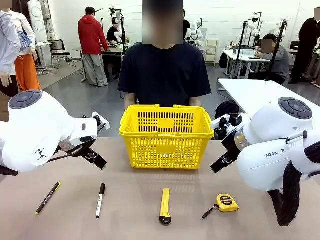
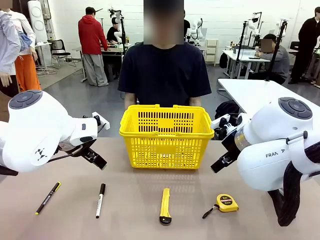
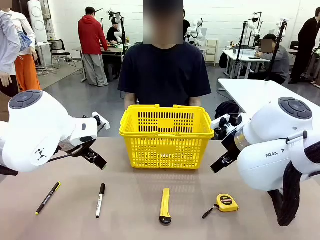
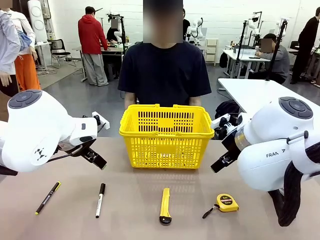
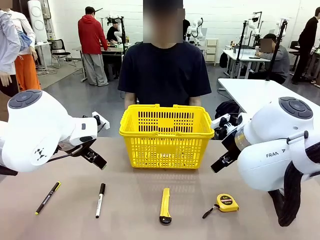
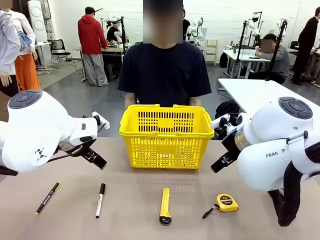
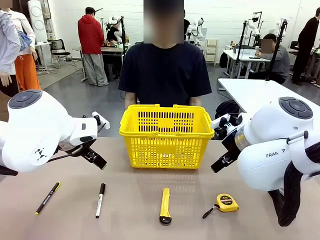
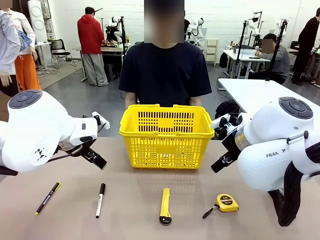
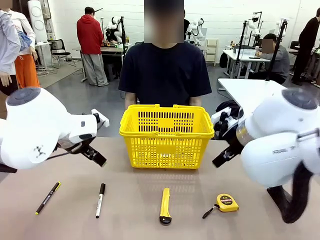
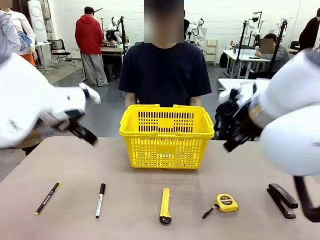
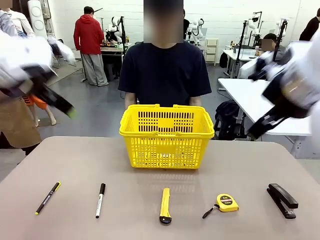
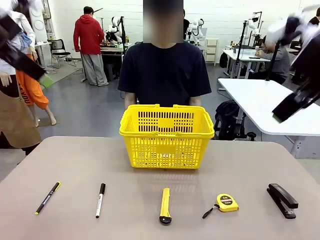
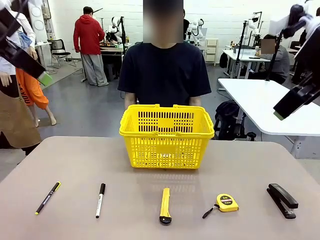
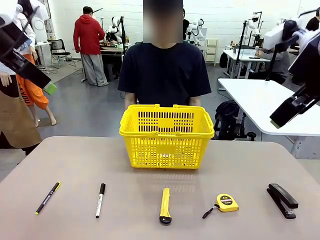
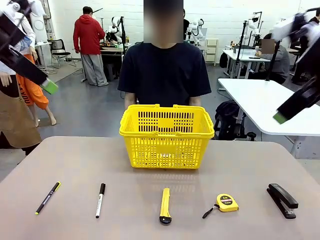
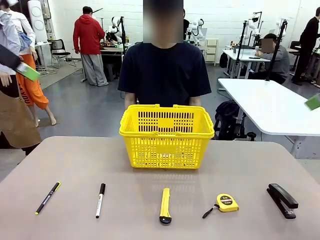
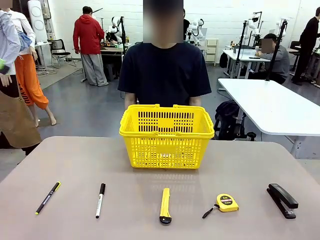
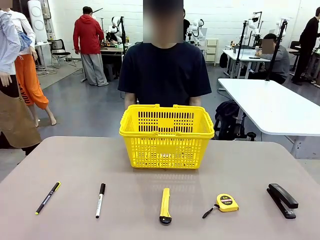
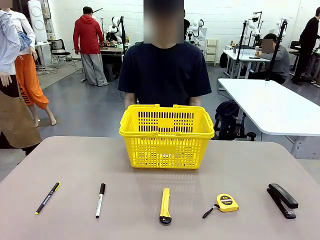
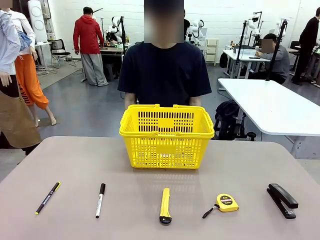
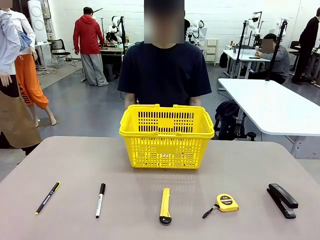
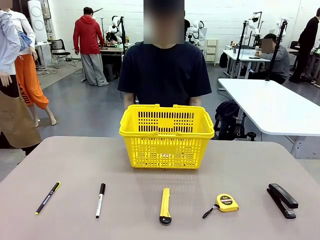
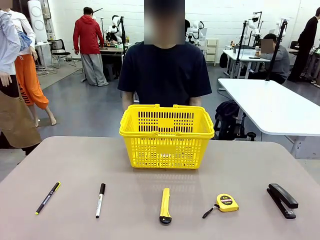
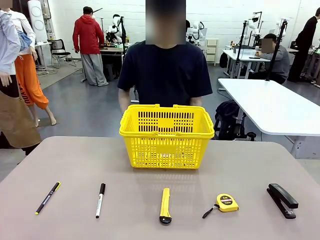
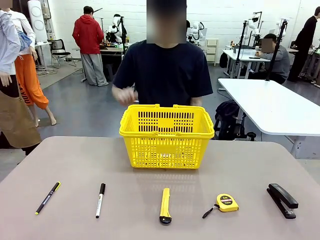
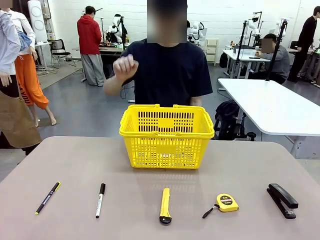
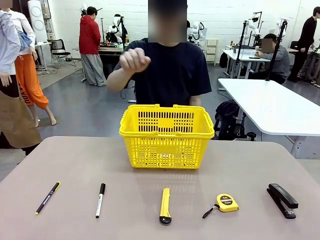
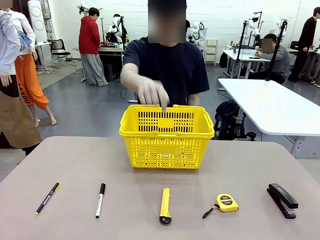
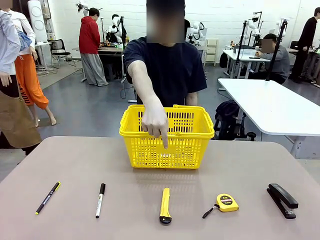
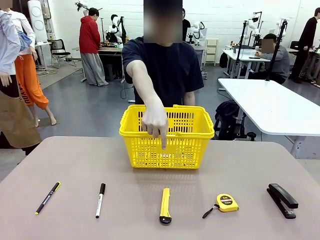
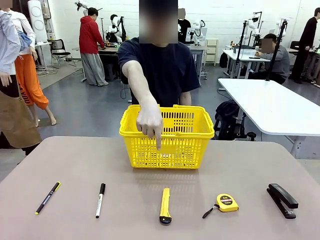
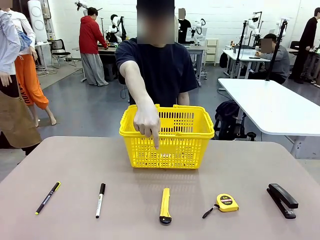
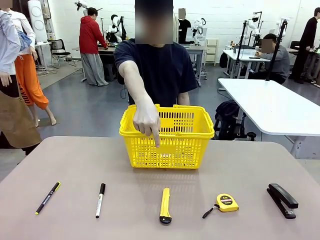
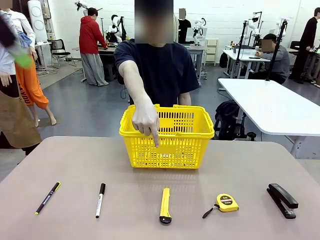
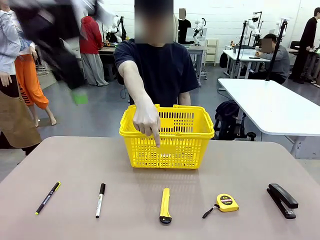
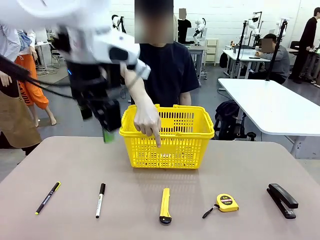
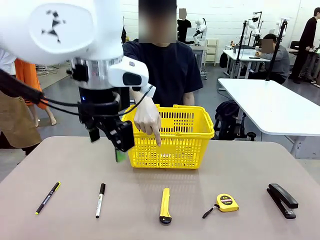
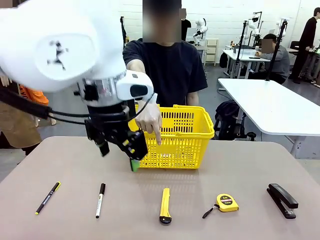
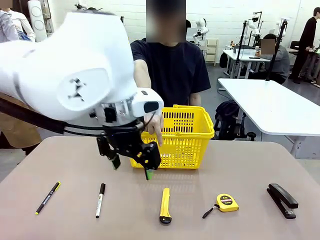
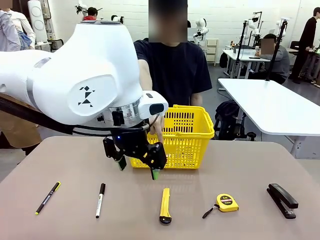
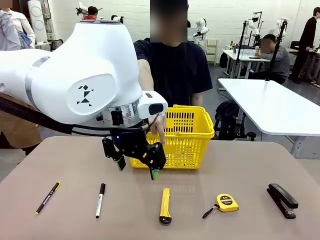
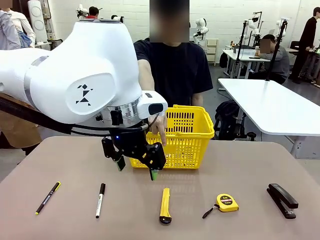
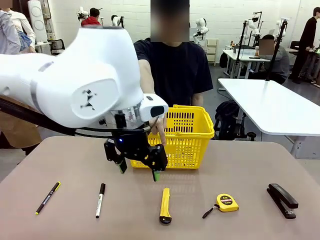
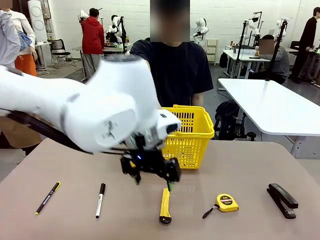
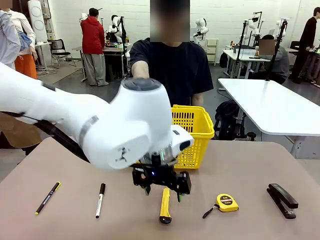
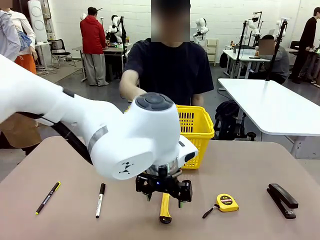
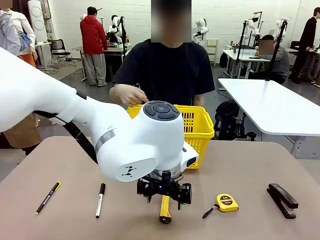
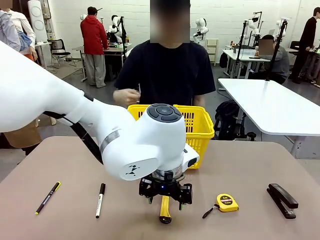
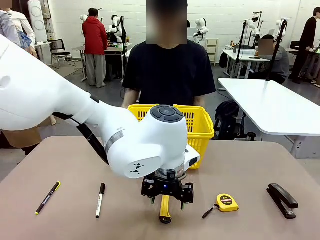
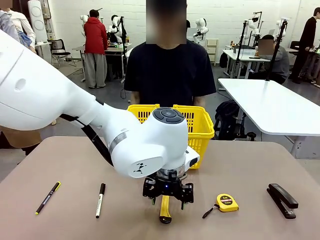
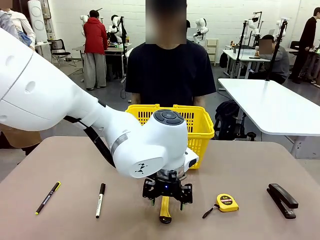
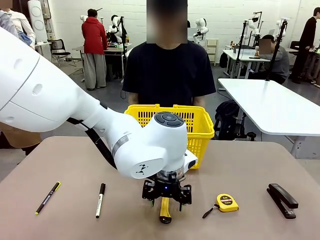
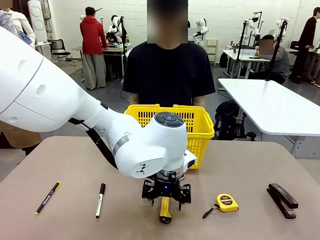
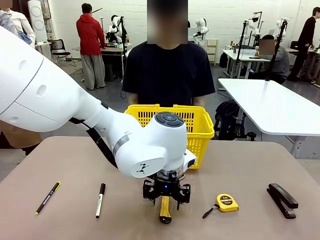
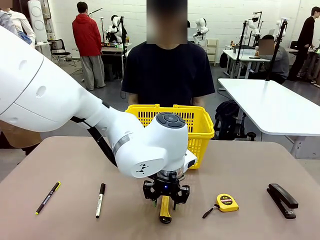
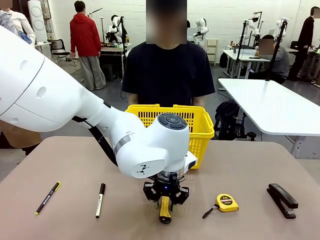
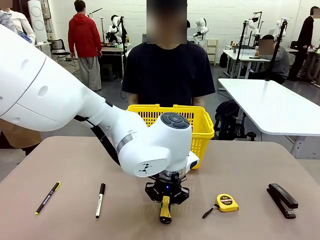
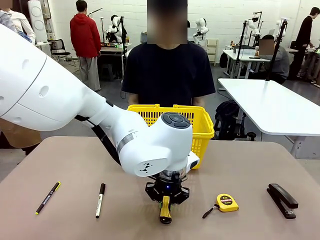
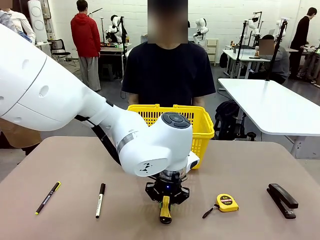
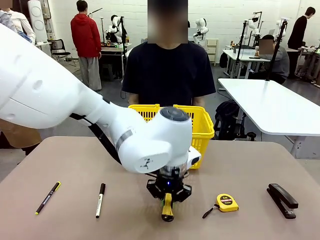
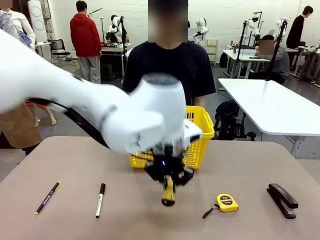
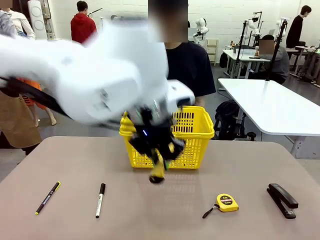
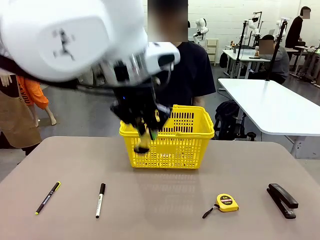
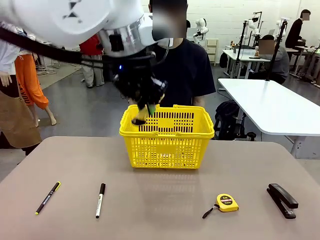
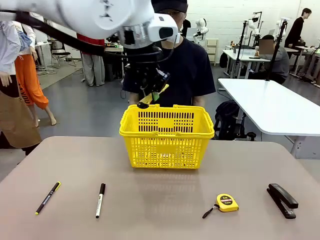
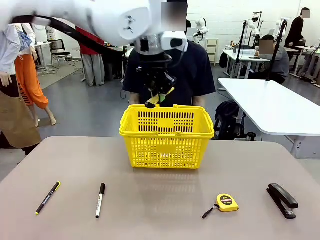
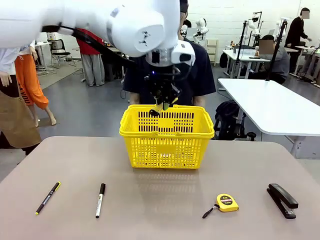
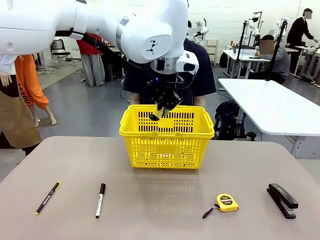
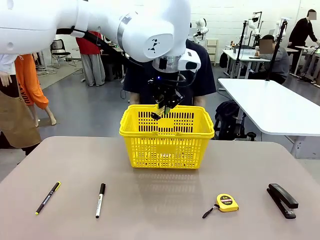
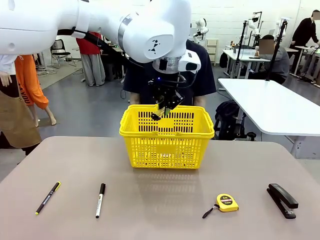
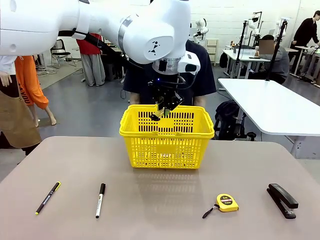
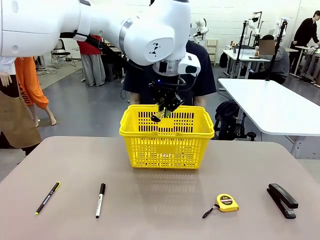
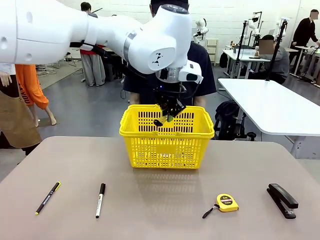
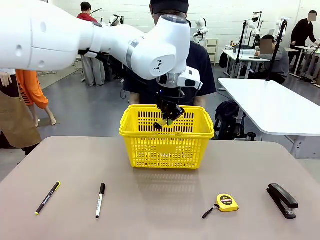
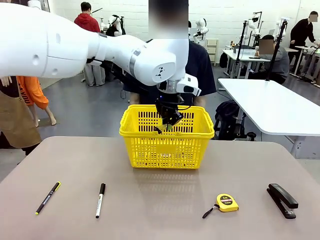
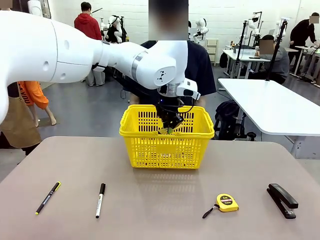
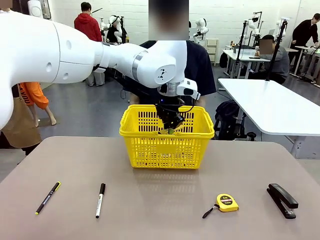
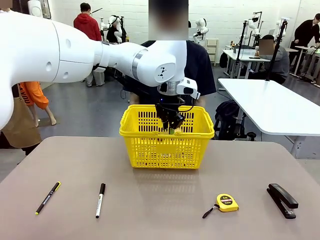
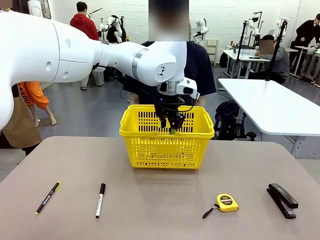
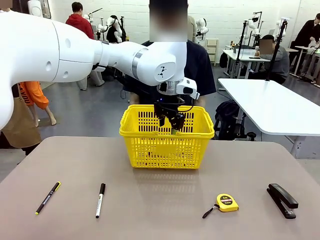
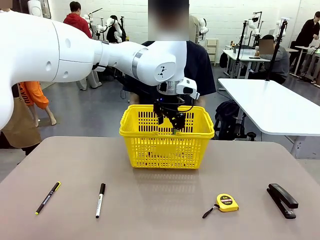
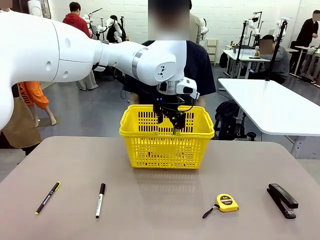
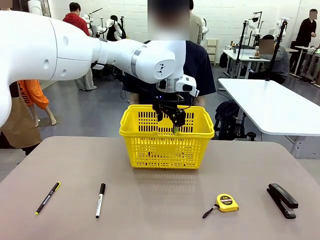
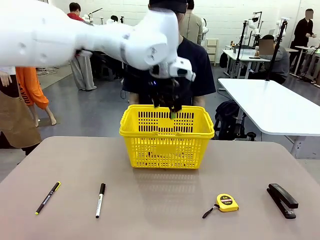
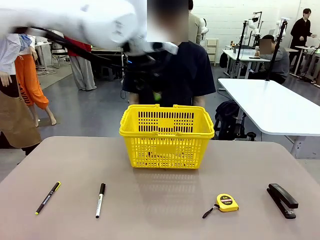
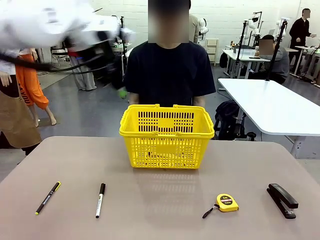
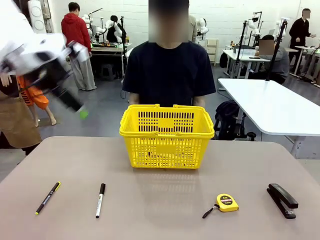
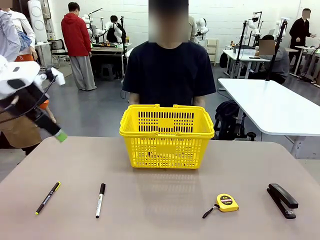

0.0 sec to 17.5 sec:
Task: Place the items the person wants into the basket.
Robot: Pick up the item the person points to and place it in the Market Basket.
